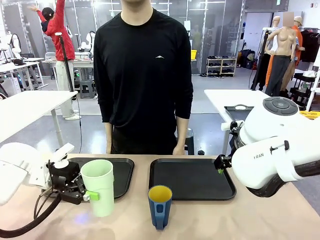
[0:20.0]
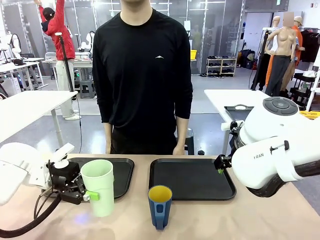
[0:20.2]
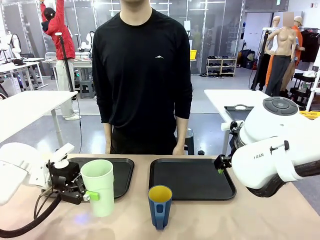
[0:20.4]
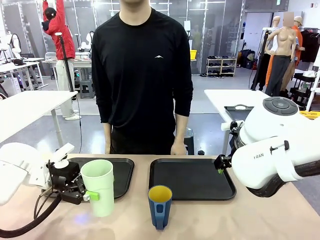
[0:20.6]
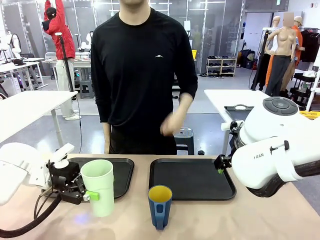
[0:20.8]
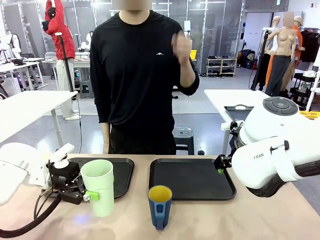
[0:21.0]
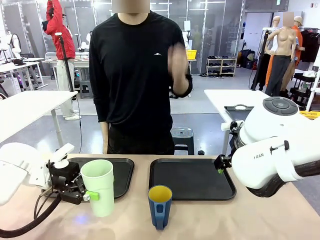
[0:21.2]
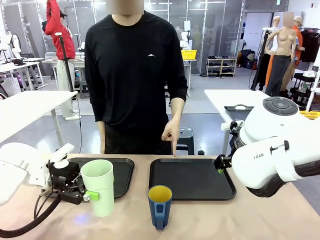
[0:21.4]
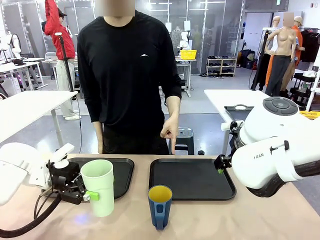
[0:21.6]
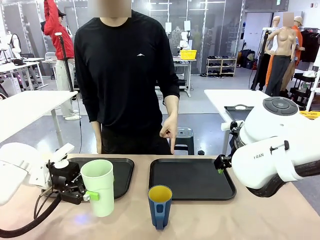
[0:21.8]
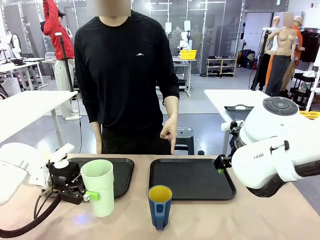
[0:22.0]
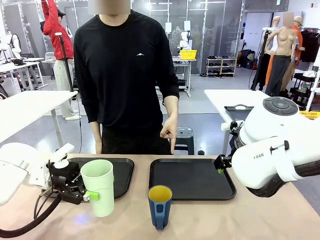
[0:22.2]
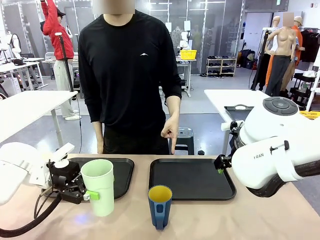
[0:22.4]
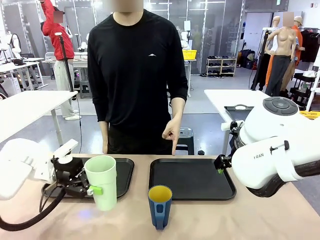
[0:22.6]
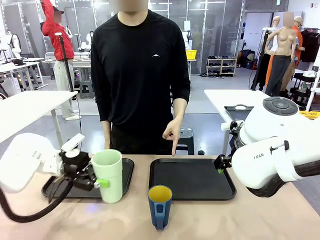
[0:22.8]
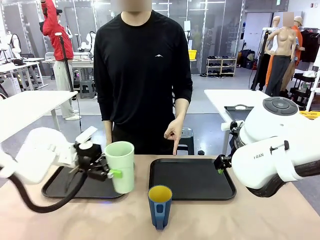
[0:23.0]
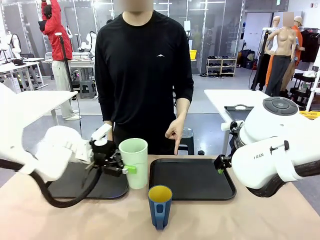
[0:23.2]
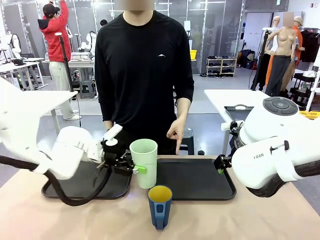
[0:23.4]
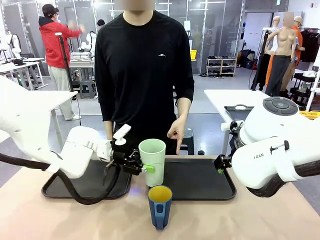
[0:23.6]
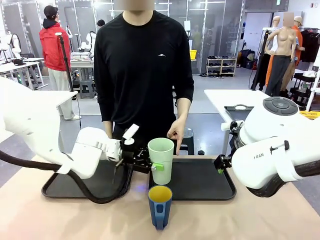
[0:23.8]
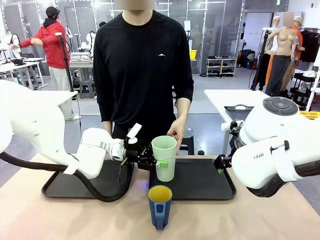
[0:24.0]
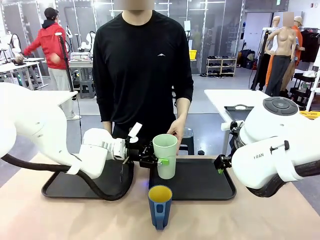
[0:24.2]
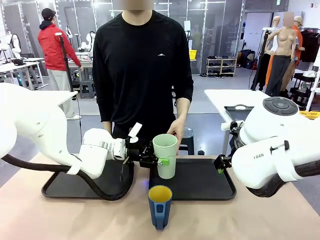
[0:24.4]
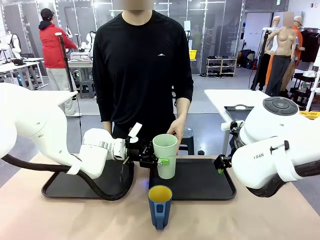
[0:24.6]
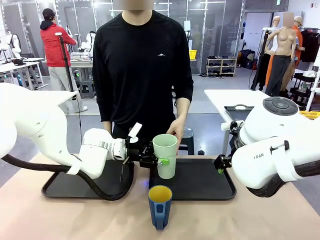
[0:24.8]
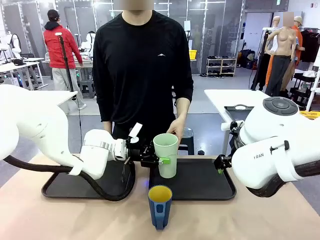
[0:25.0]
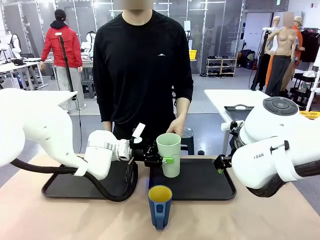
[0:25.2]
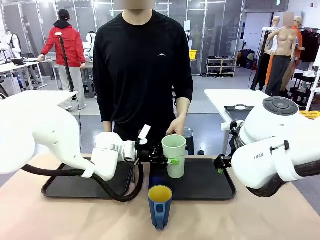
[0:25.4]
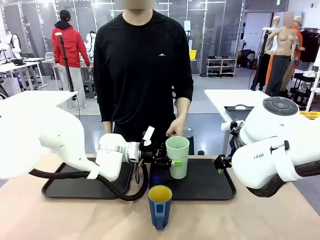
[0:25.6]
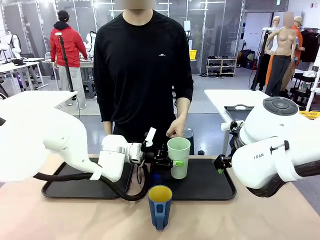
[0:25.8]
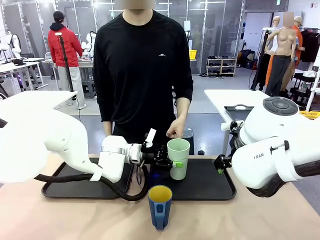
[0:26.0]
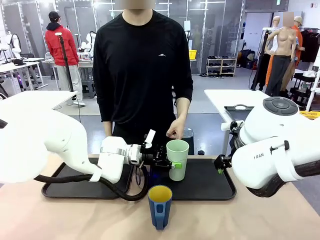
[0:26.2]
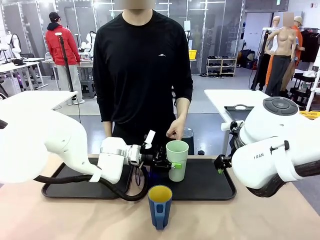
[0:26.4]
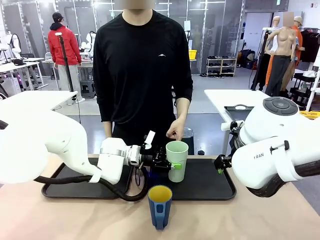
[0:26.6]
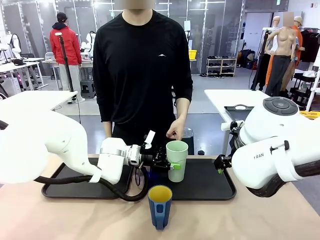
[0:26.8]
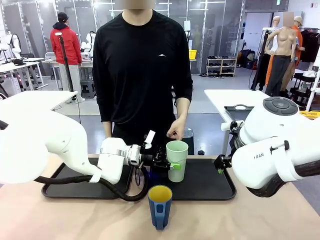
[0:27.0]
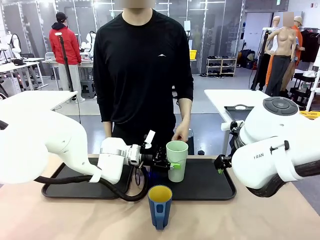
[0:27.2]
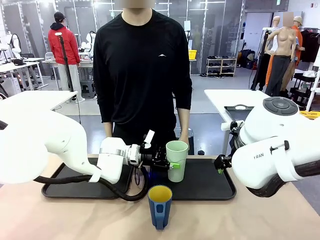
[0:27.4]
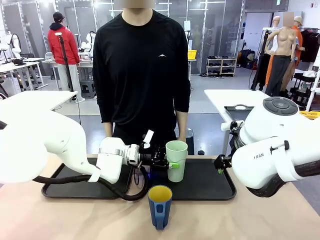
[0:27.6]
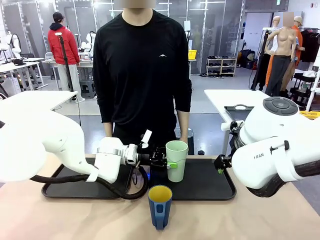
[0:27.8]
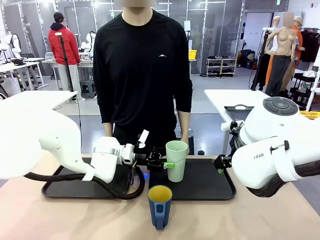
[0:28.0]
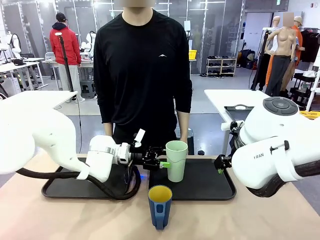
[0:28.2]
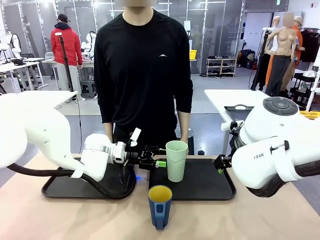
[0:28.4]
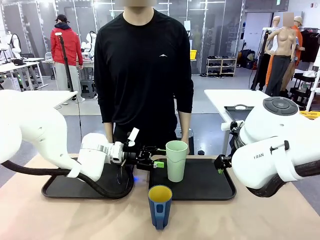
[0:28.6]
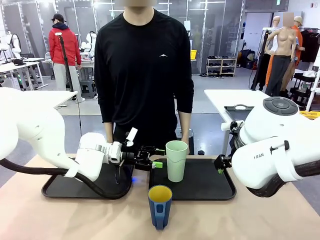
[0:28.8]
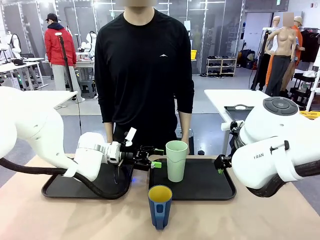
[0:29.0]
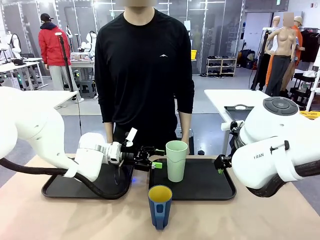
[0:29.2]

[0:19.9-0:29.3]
Task: Sort and store the cups by type.
Robot: Place the picked Reusable plastic cup into the Flat Tray indicated by the person.

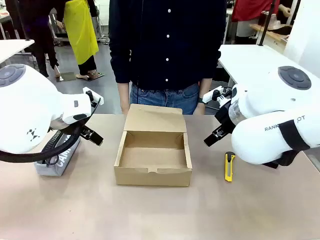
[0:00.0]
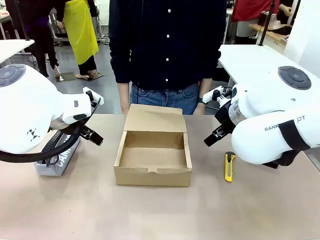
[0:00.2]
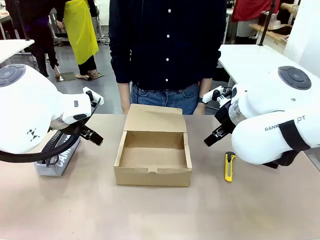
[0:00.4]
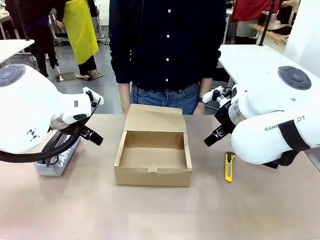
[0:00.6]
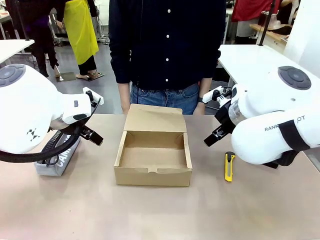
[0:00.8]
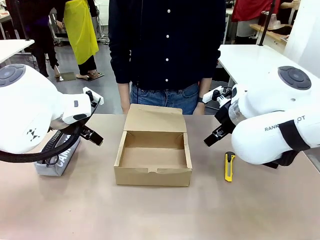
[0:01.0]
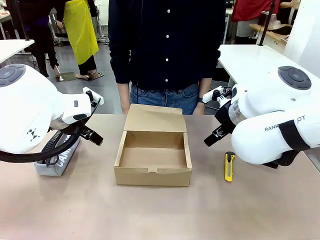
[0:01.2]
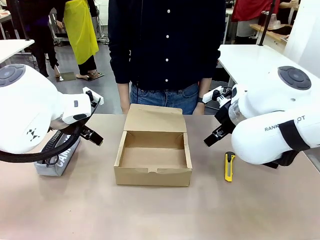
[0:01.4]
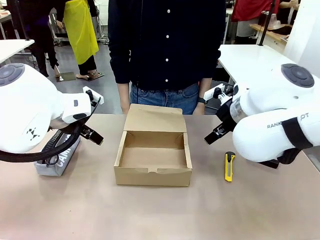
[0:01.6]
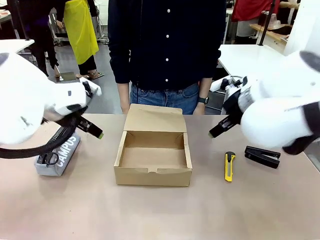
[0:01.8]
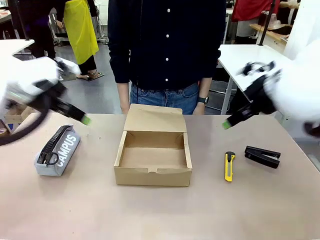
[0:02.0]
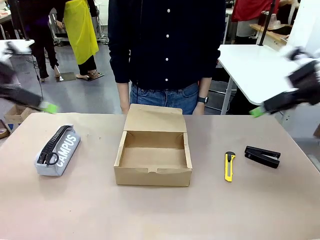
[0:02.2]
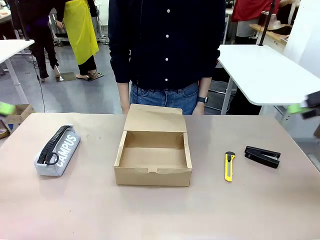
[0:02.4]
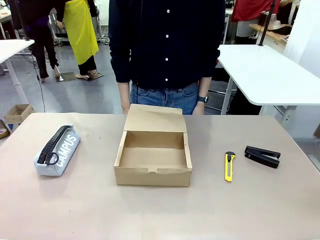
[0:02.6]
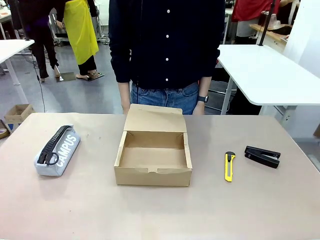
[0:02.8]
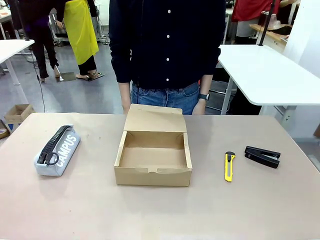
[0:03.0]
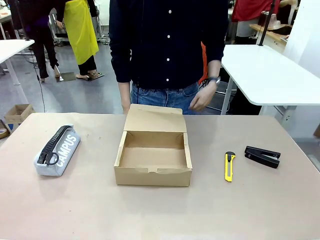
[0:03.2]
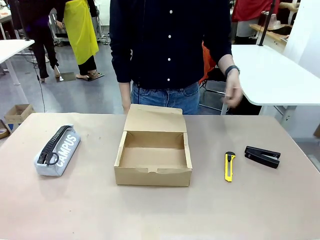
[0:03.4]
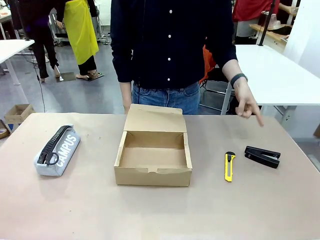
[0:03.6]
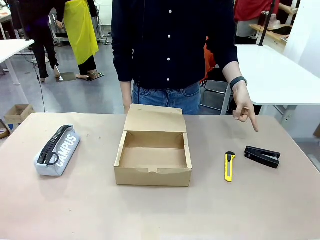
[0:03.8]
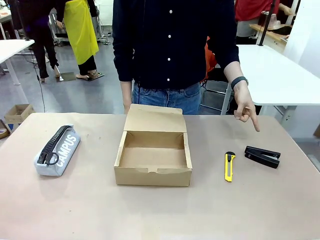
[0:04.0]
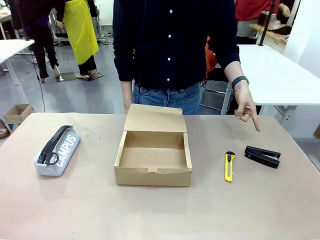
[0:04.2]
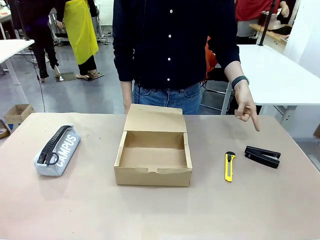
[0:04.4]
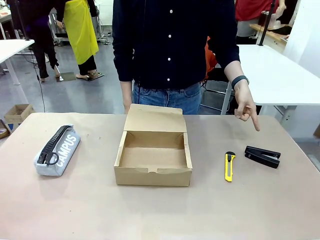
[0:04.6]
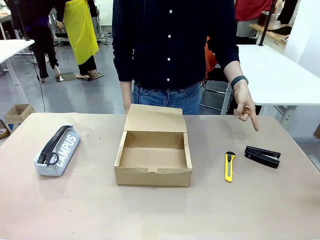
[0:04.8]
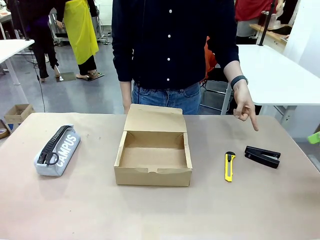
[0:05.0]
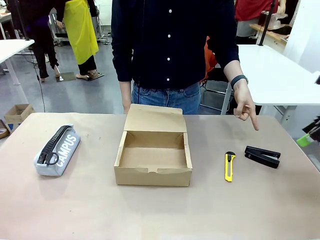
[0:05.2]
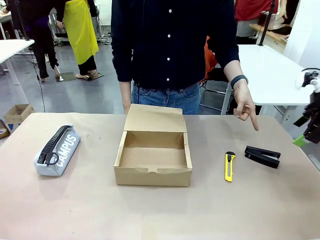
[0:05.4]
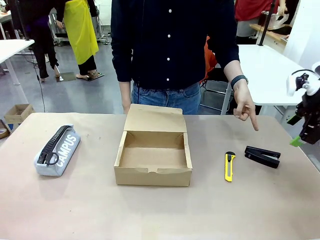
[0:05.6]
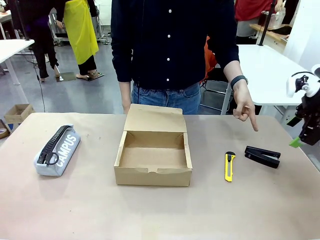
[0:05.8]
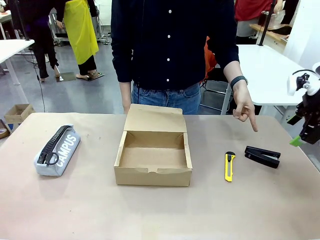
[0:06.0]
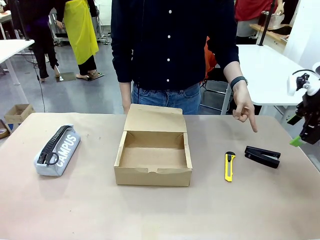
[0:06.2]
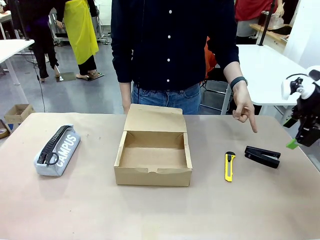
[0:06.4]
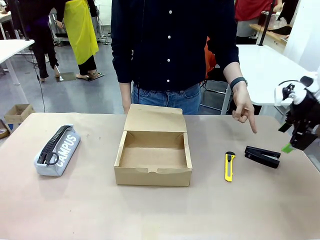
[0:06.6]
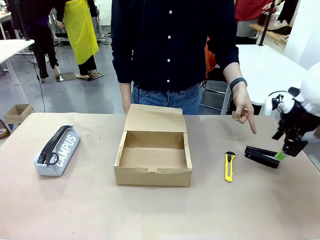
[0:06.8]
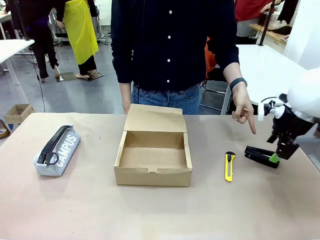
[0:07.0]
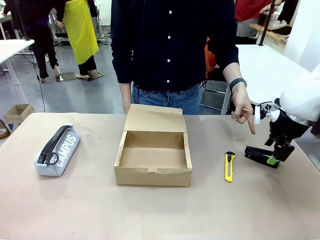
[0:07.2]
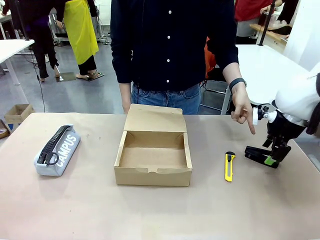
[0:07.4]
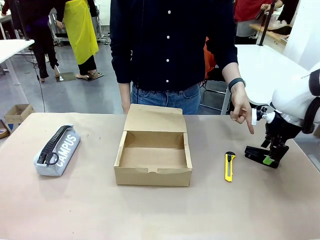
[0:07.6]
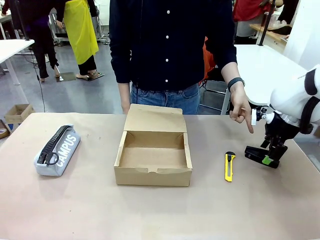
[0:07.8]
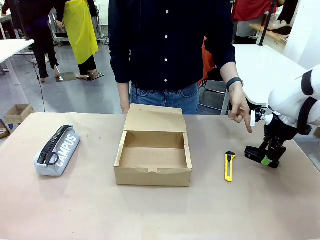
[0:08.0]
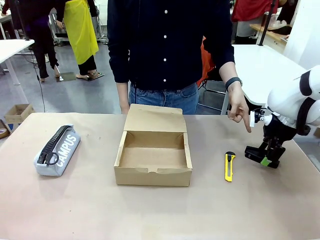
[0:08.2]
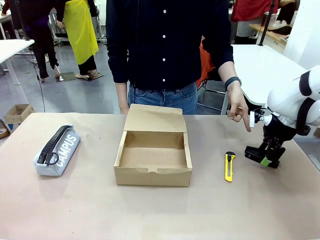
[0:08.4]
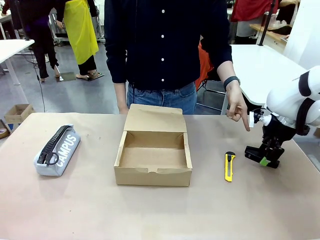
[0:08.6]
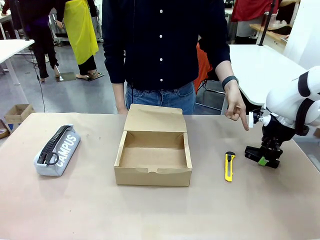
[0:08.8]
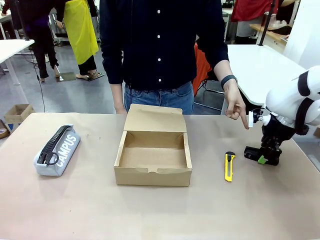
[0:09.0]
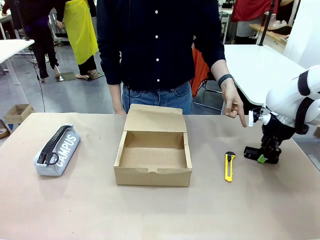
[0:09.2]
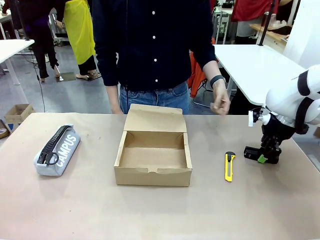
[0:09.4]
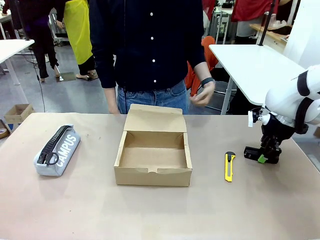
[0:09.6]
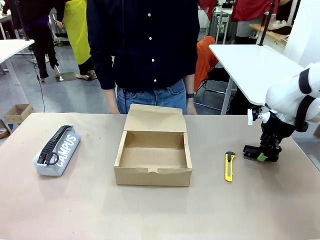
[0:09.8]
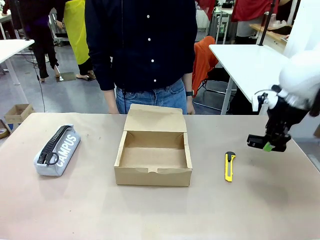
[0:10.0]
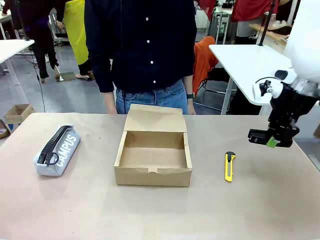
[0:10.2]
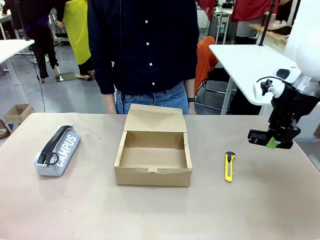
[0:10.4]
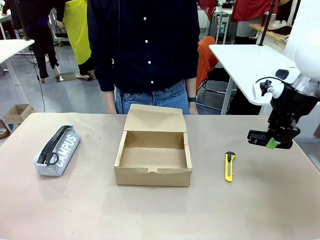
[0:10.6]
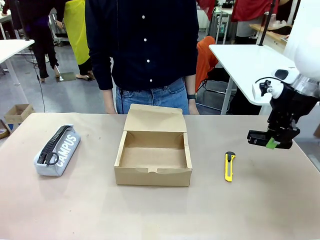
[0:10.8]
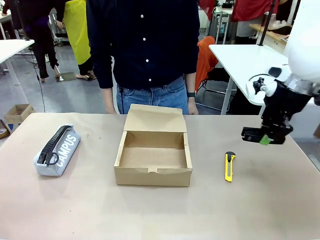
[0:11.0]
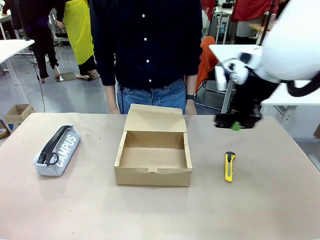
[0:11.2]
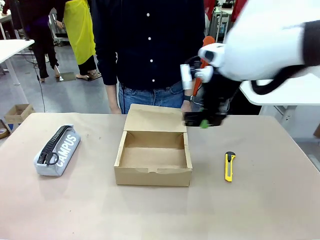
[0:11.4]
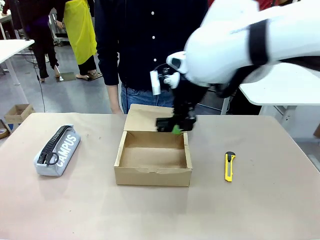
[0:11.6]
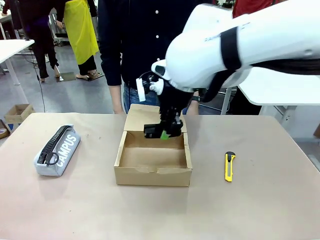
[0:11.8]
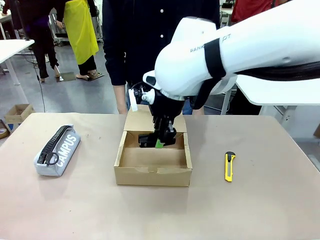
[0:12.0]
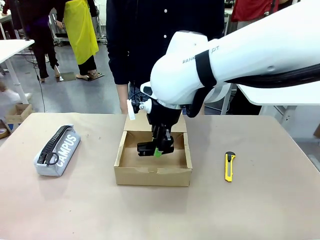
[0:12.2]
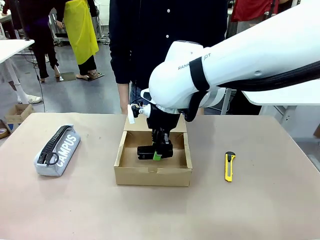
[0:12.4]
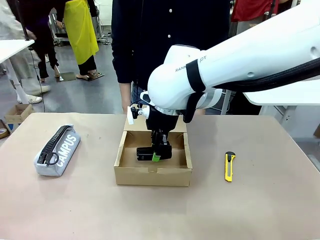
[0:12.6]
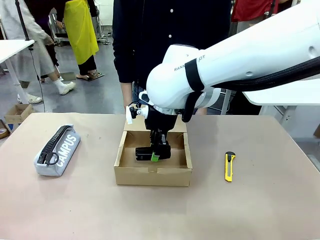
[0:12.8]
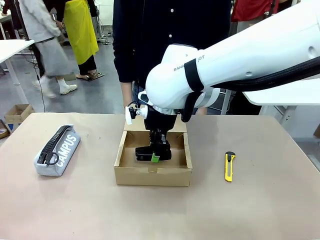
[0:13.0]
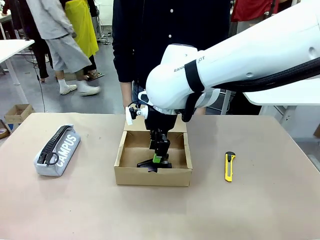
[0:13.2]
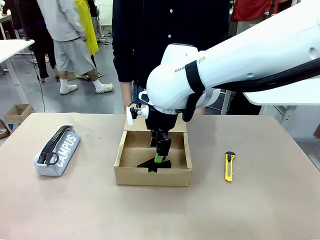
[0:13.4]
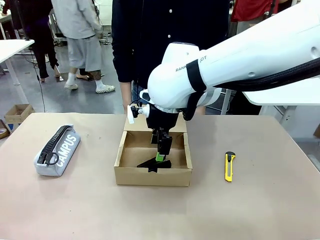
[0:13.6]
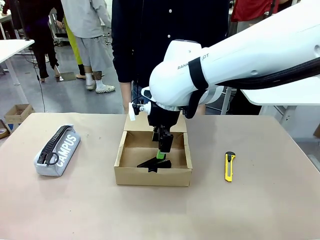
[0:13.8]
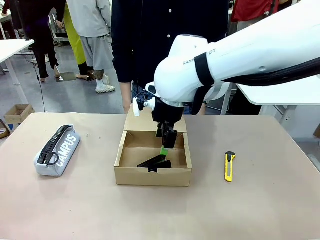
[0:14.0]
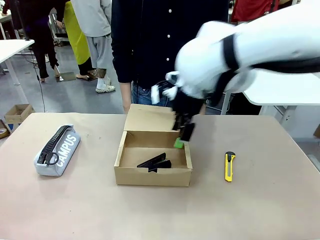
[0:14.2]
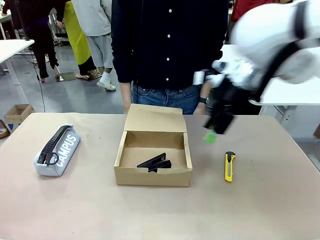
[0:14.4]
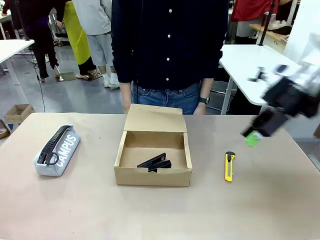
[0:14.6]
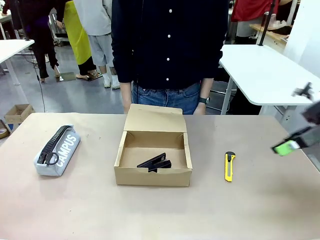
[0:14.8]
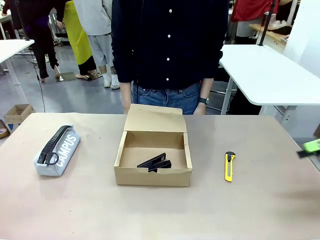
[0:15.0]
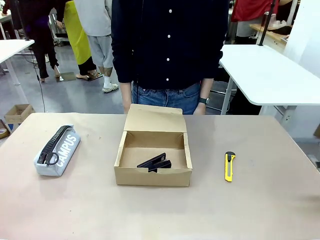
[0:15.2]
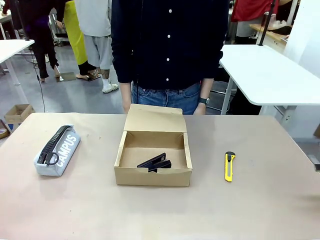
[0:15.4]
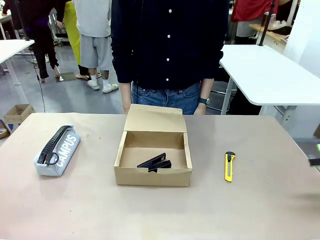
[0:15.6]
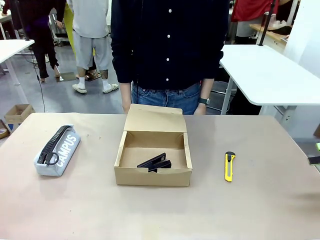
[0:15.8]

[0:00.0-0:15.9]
Task: Pack the item into the box.
Robot: Pick up the item indicated by the person and place it inside the Mailer Box.
Person: Point at one item on the table (excluding the box). Lower both hands vertically with palms facing downward, as if pressing something closed.
